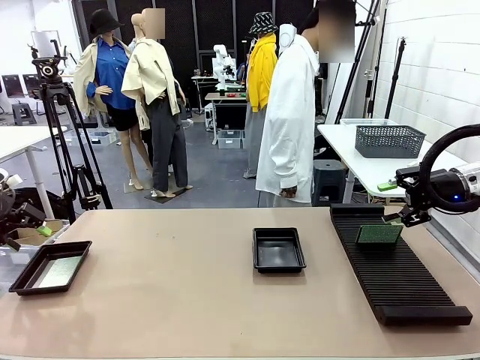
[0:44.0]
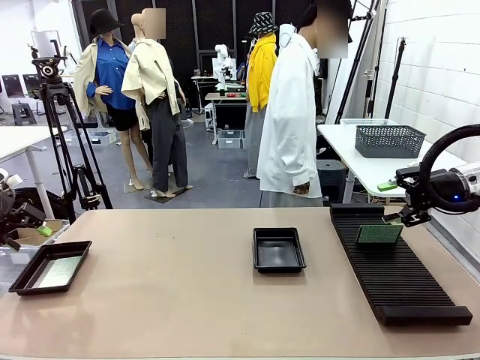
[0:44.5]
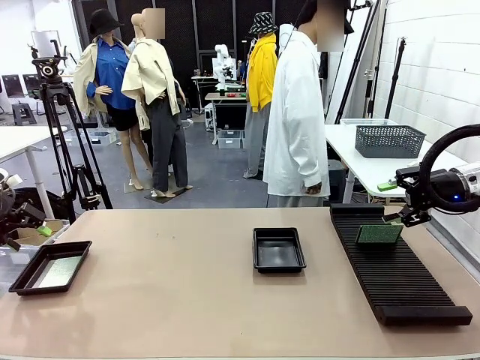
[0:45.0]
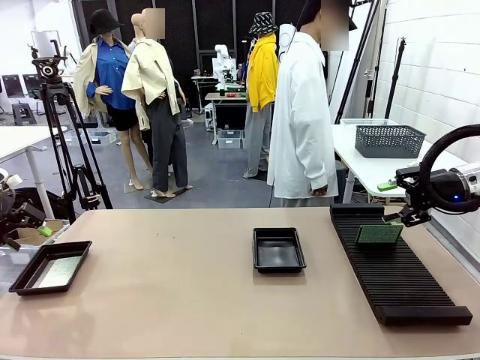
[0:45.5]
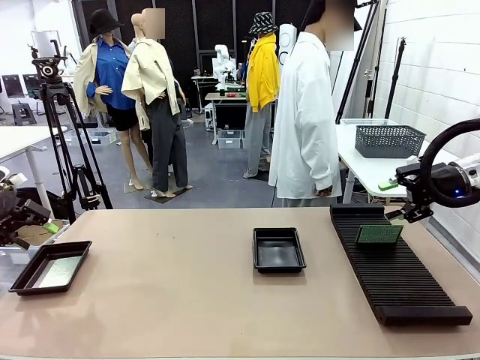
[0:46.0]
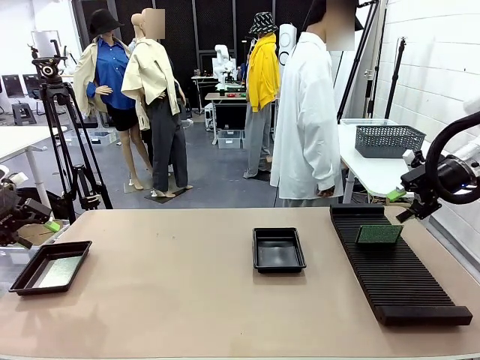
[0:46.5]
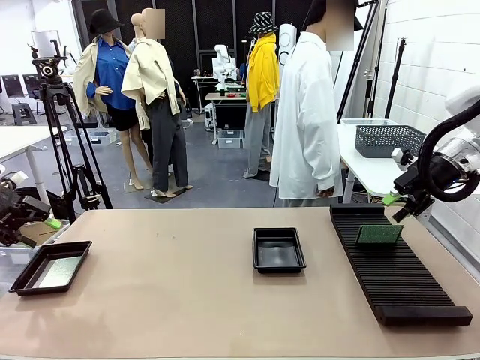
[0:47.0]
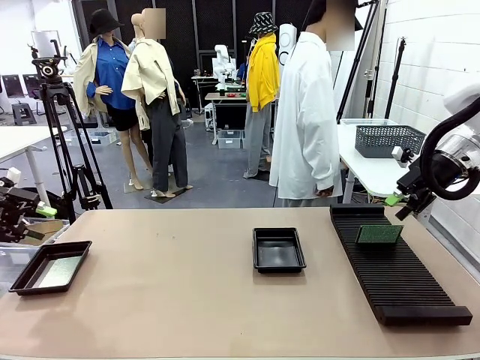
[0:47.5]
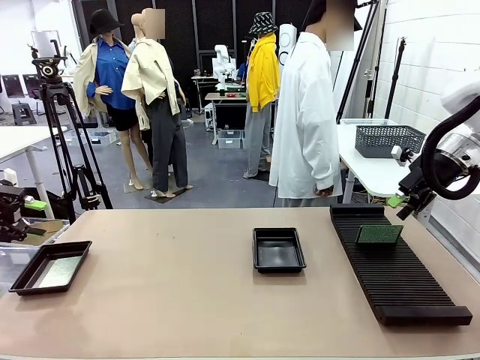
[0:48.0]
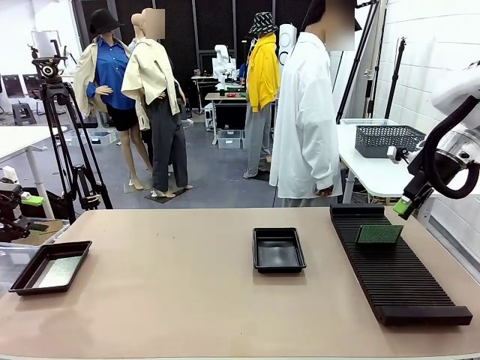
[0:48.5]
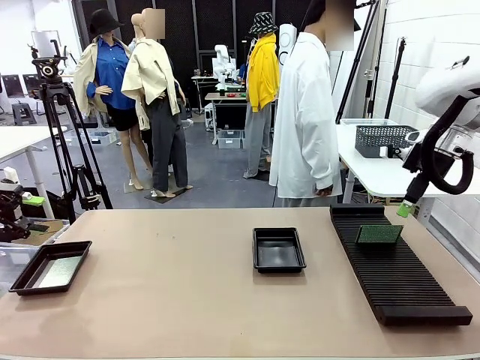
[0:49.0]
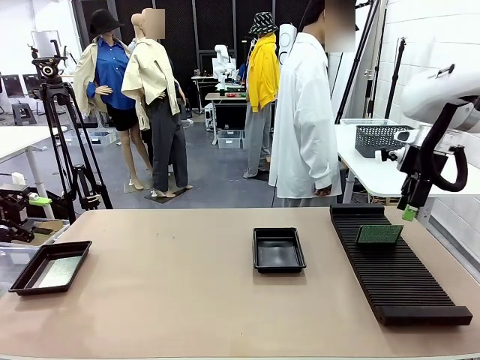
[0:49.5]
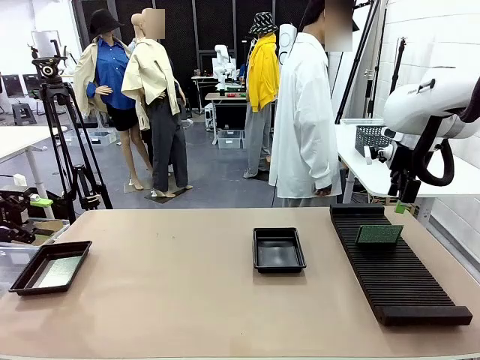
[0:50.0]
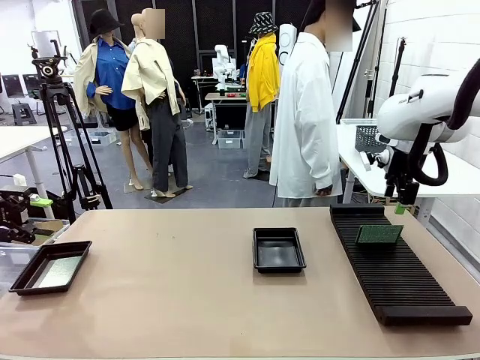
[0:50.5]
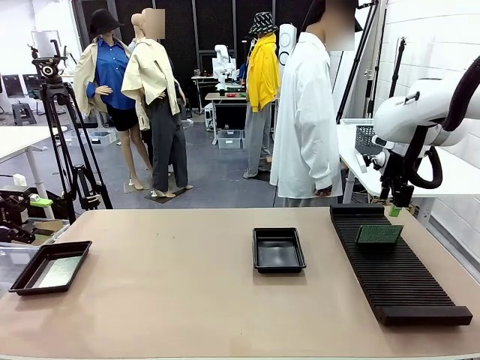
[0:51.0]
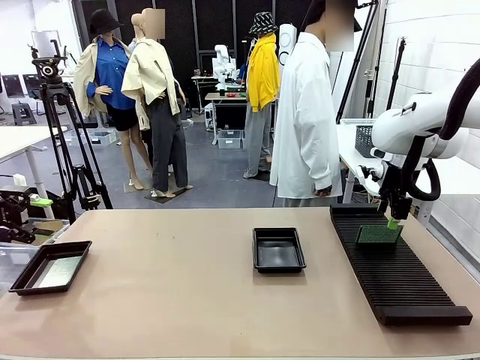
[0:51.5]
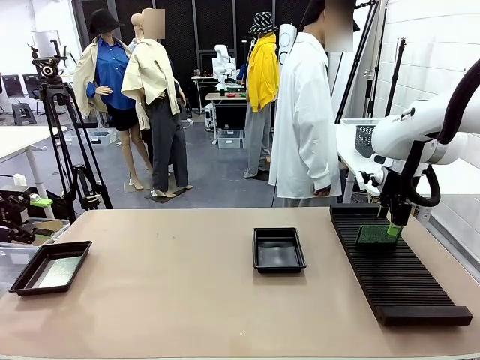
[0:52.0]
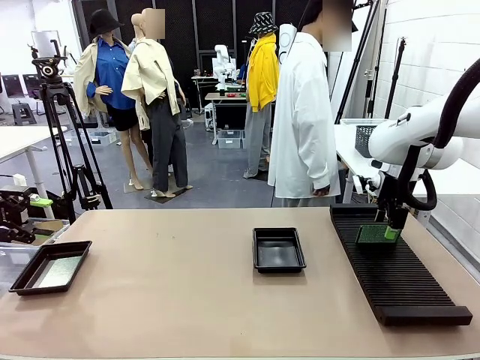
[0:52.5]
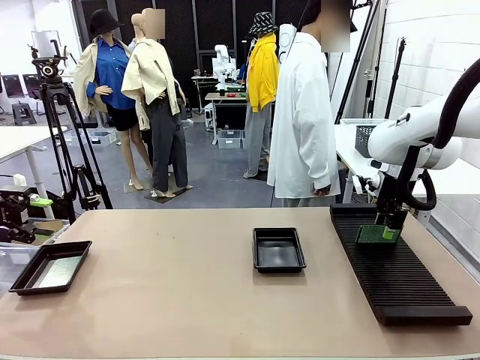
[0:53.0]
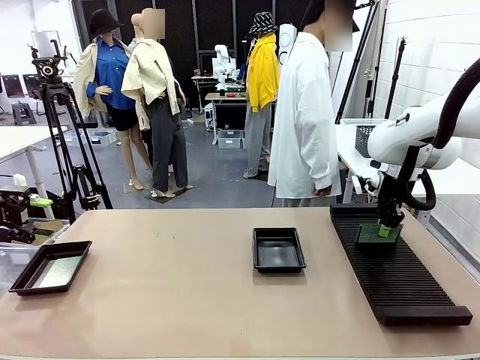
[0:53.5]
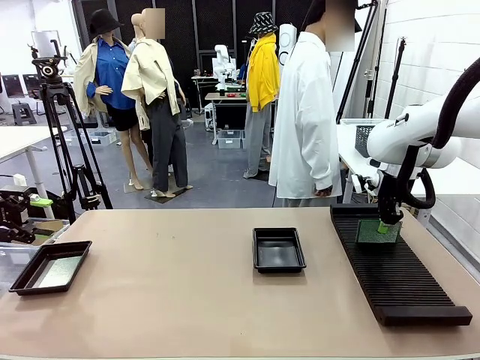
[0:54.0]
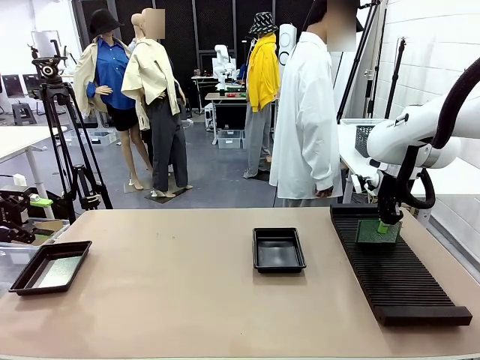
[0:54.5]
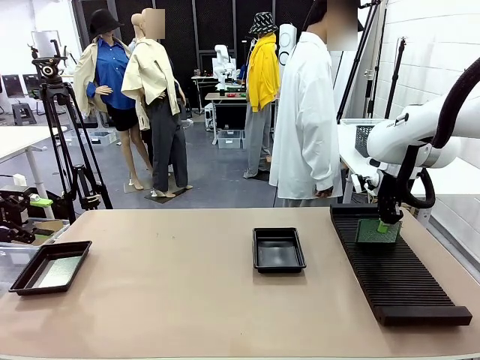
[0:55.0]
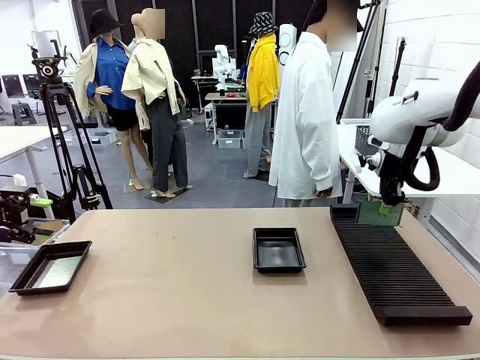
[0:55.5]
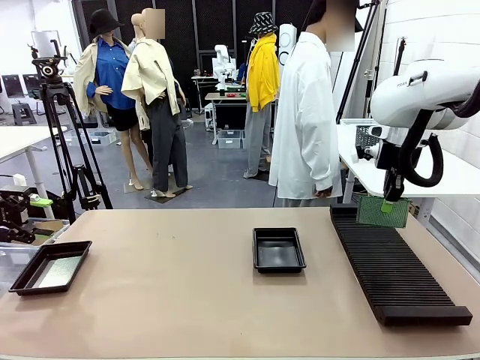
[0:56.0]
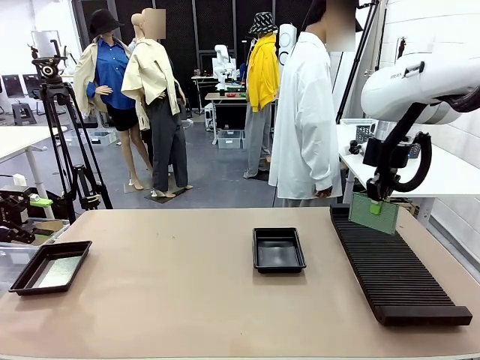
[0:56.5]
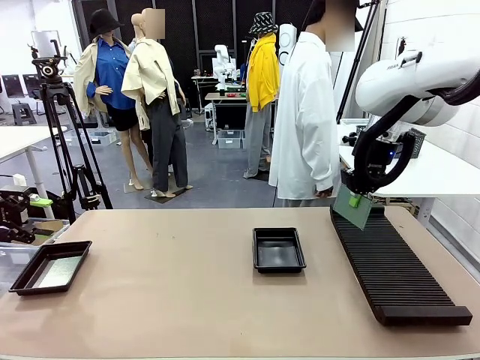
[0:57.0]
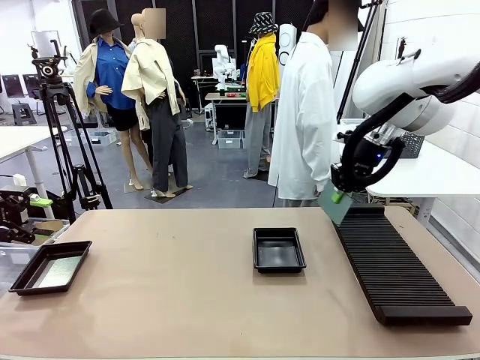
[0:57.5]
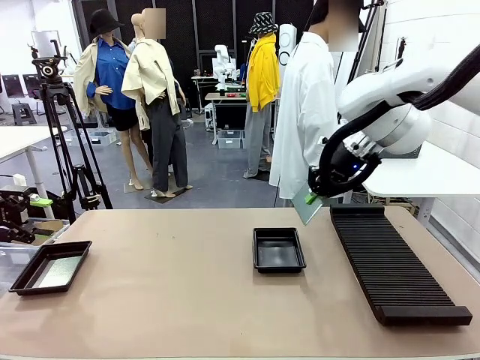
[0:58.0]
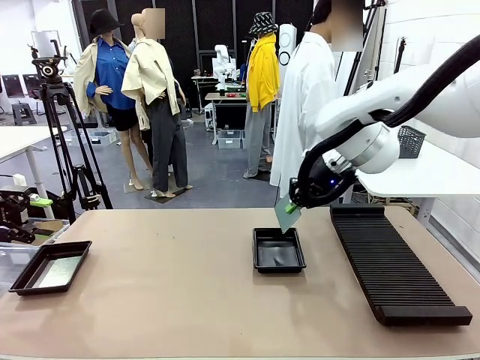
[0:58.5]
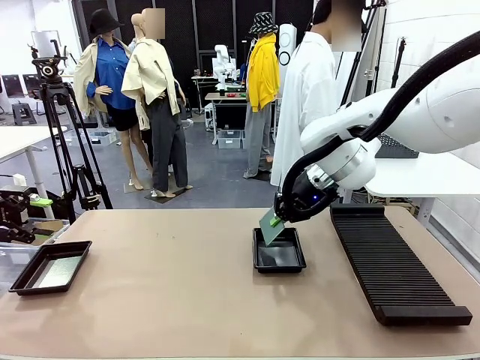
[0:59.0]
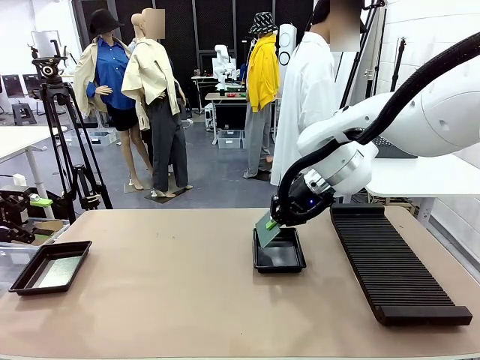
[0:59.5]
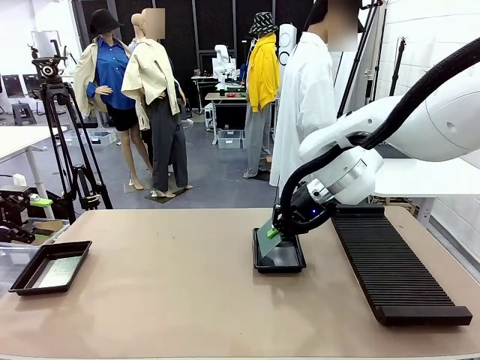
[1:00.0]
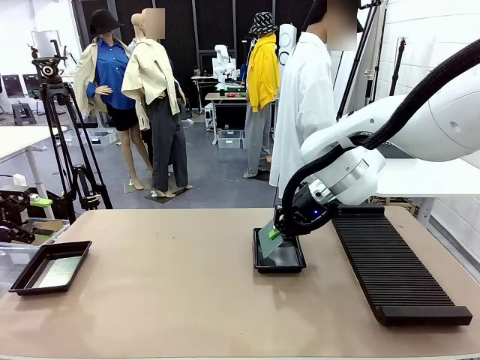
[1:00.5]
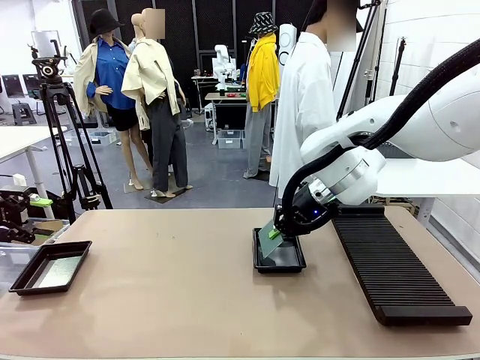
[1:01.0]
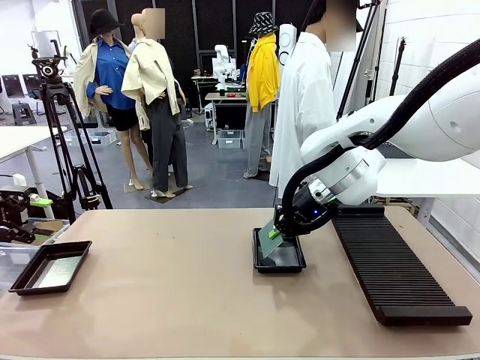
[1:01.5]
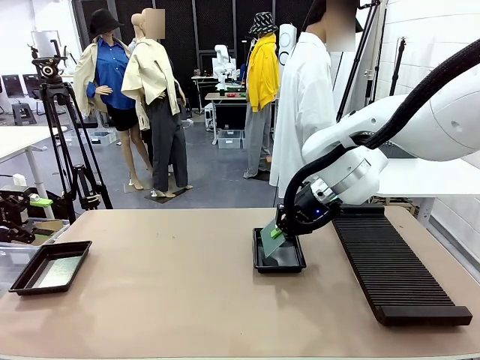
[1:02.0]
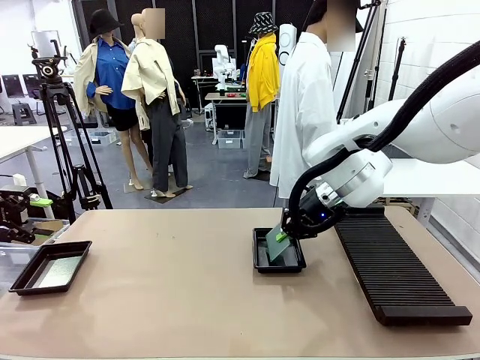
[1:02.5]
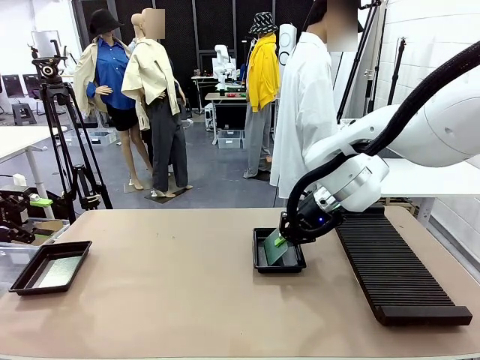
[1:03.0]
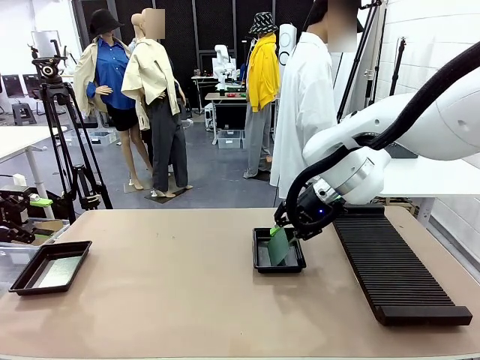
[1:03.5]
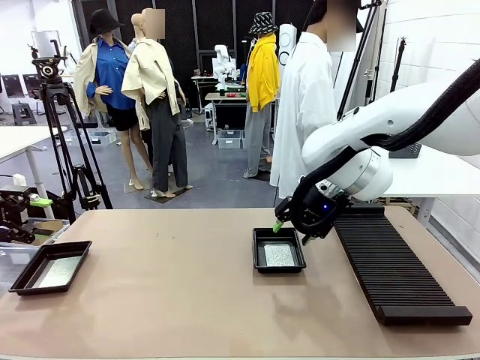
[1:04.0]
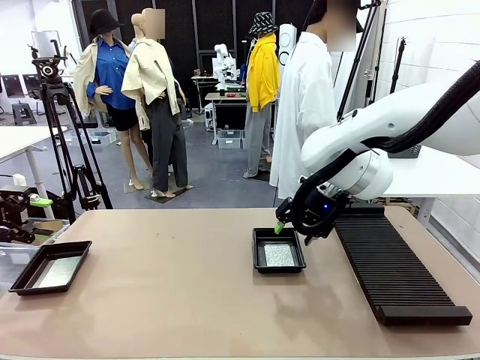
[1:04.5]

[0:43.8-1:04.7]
Task: Inspect and transfer BCBs to ESD trays.
Robot: Pick up the Blank PCB from the PCB Rack and place it in the right ESD tray.

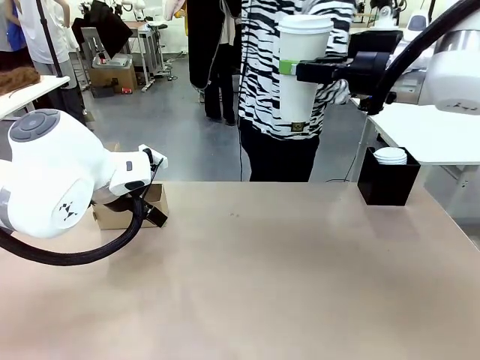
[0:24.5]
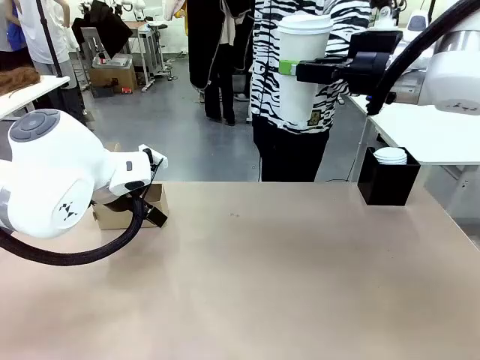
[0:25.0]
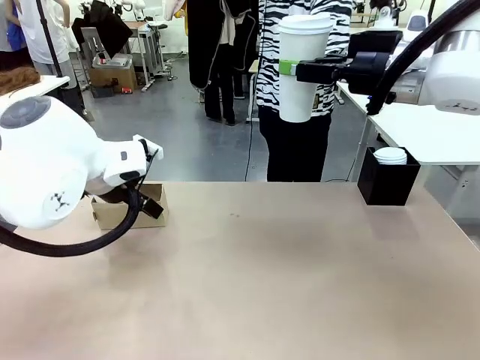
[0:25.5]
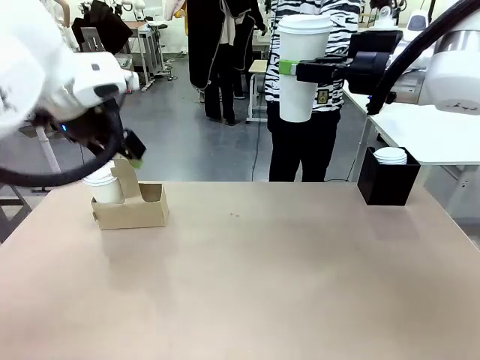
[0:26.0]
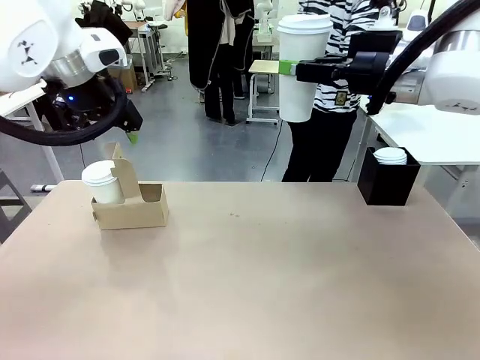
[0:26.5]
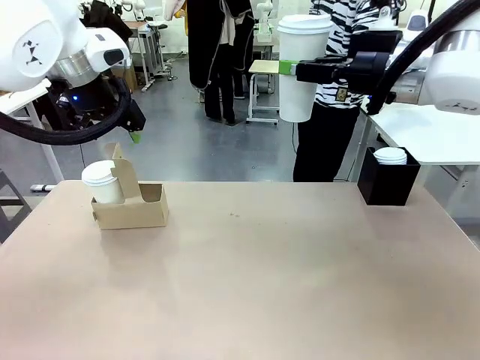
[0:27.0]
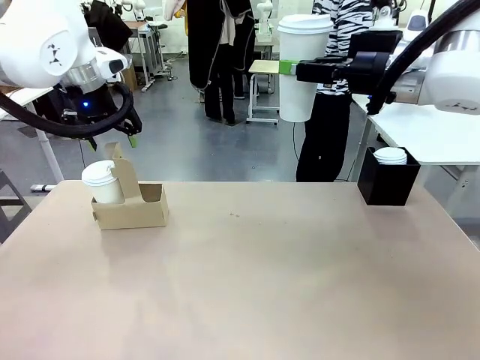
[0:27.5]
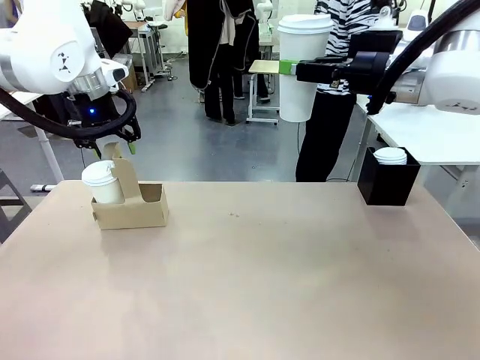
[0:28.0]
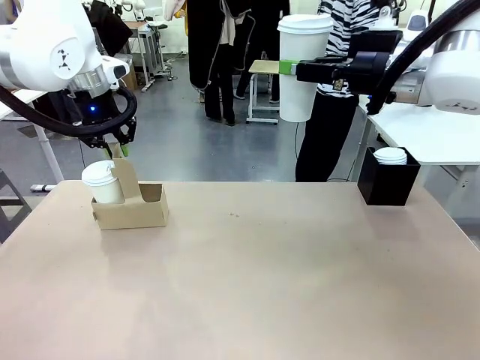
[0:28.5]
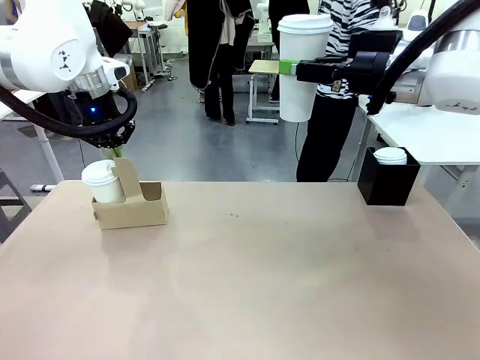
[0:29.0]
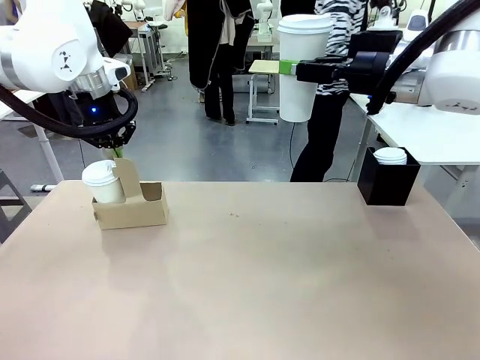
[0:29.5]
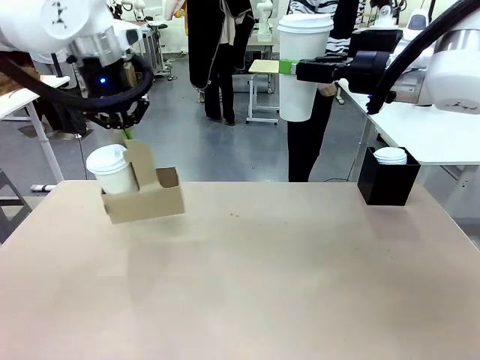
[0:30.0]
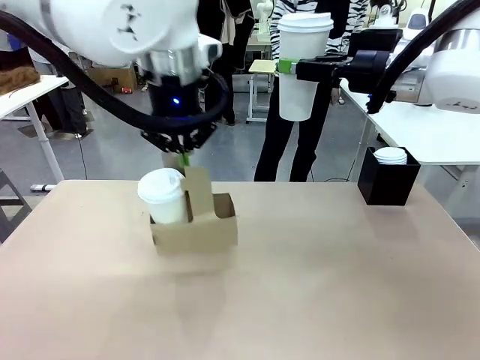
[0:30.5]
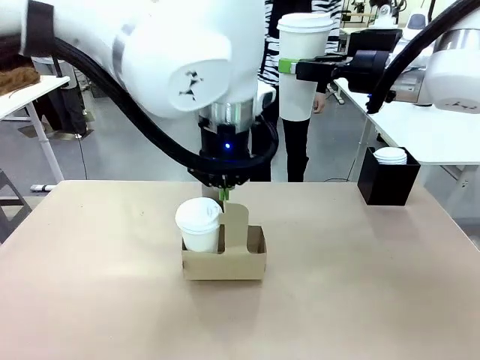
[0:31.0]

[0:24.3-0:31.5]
Task: Pour a drink into a cup and package it in a carrier.
Robot: Position the Cup Carrier in the center of the table.
